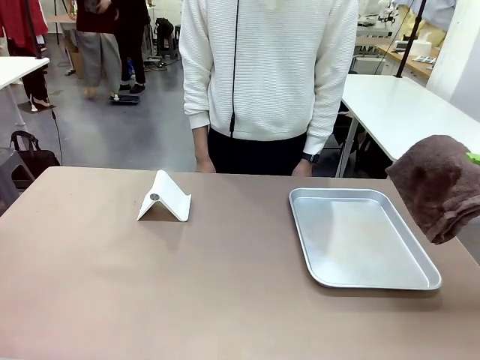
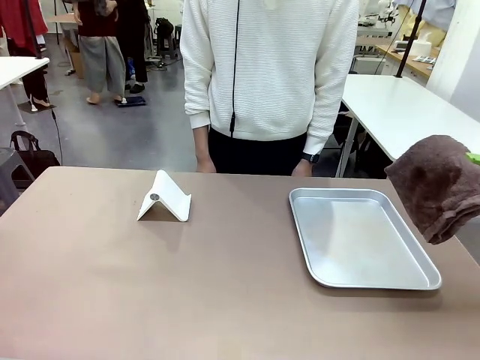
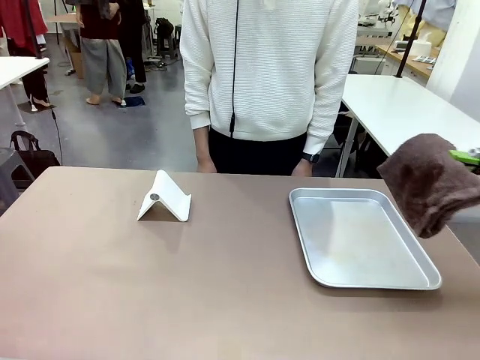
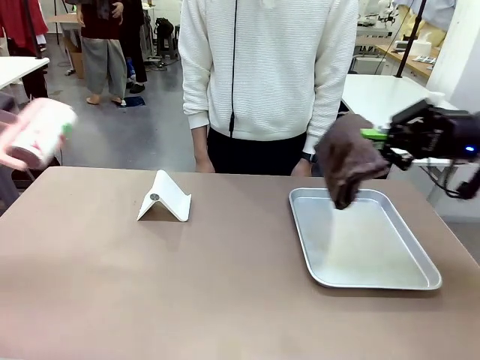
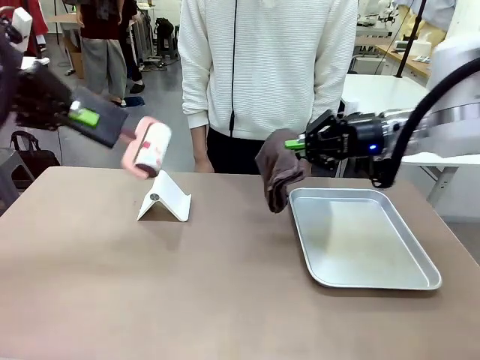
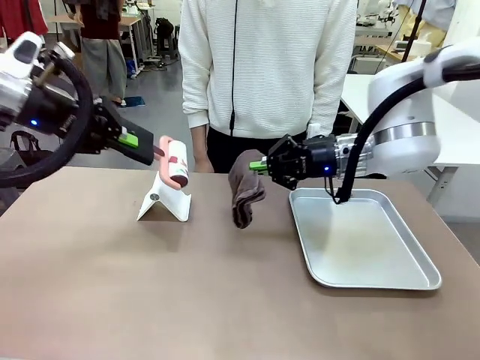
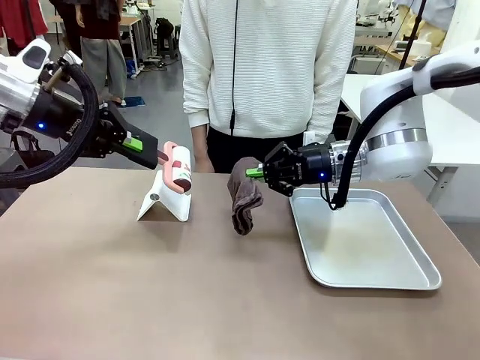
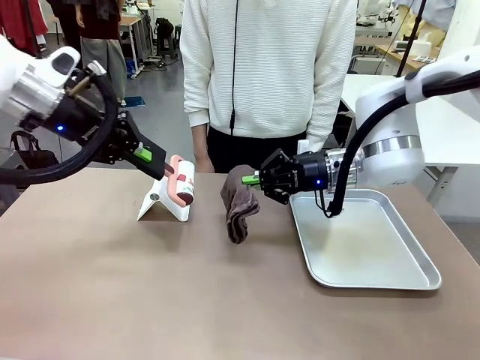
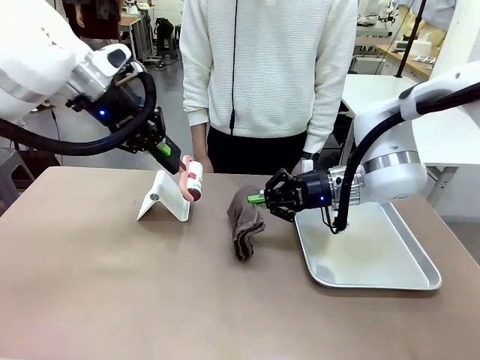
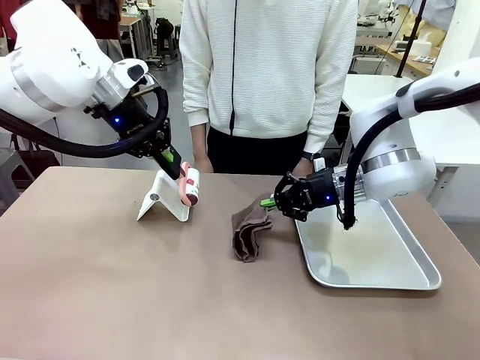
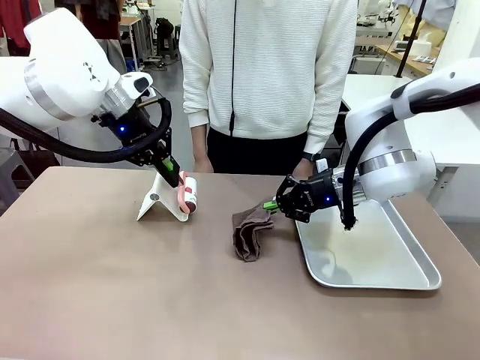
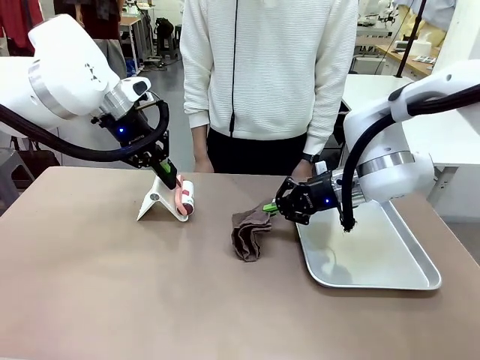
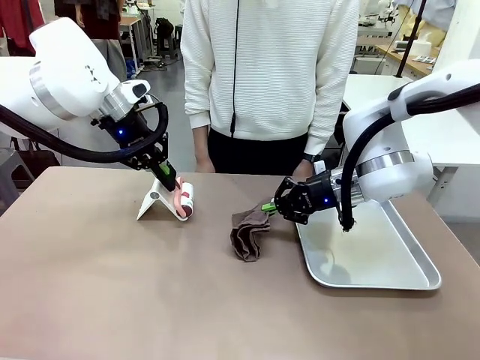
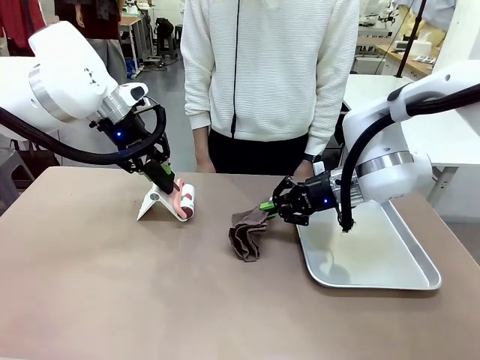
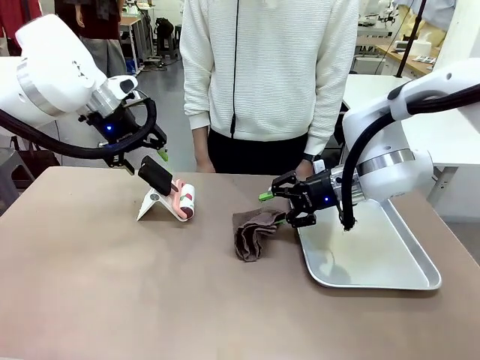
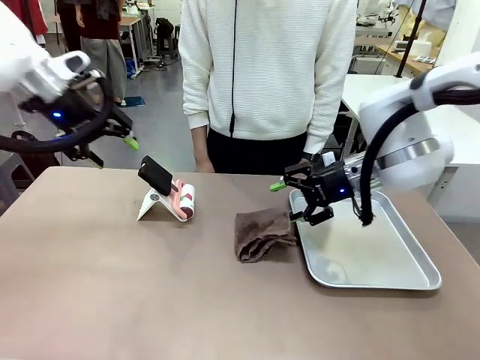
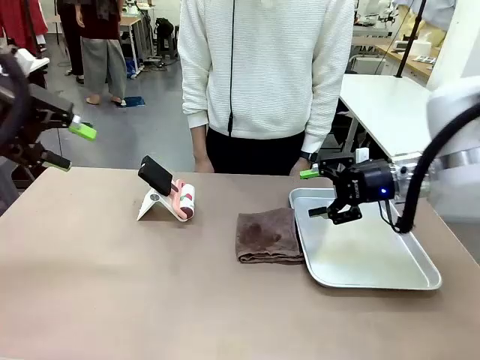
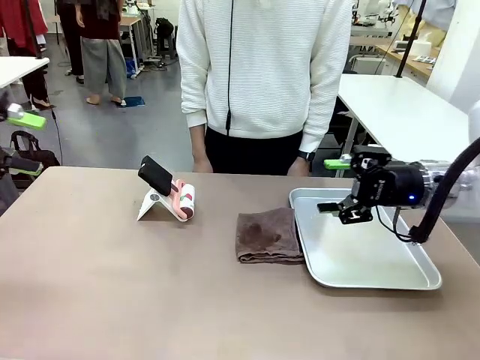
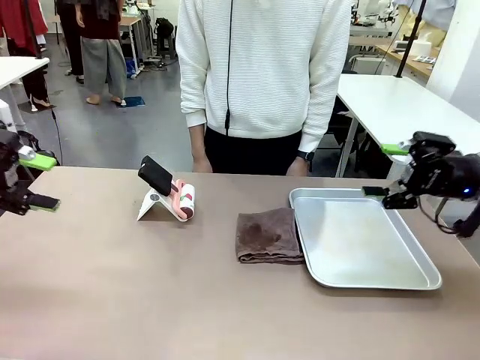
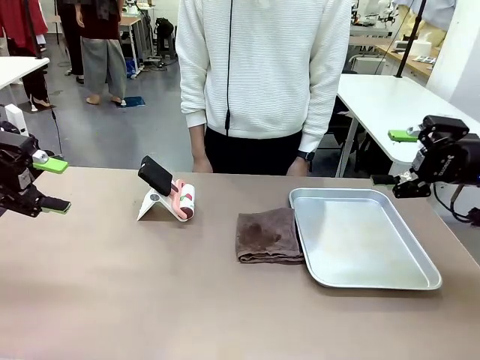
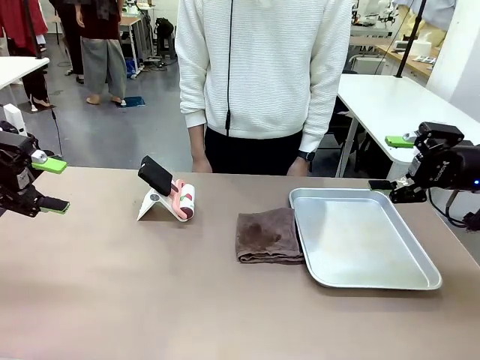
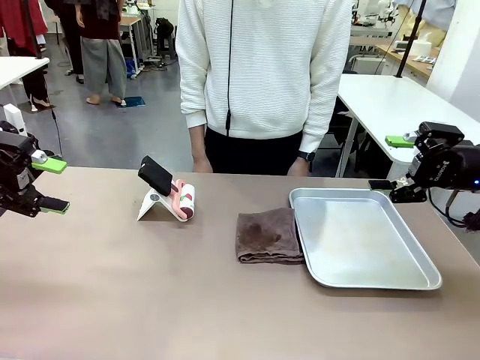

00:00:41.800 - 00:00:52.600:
Task: Clean the surface of the table.
Robot: Return the Lint Roller and towel to their original positions.

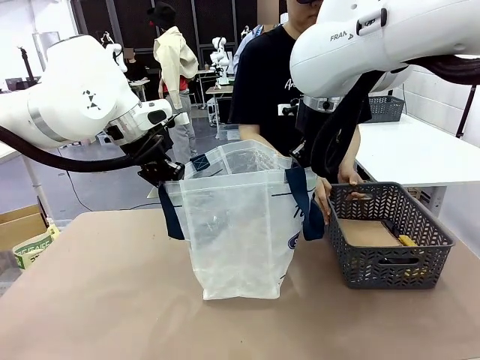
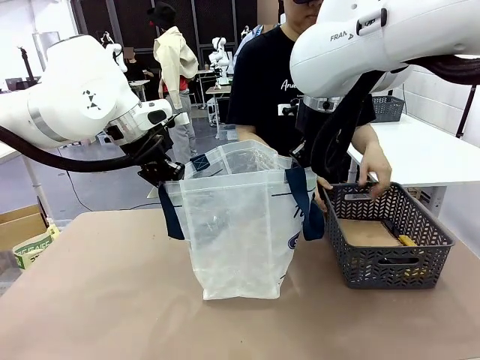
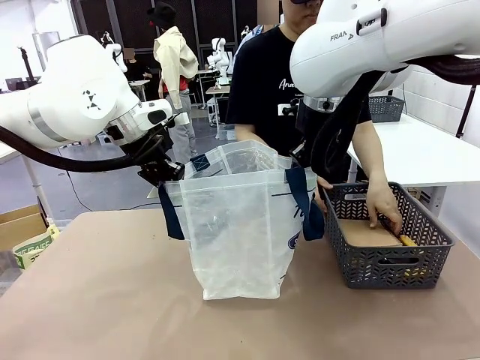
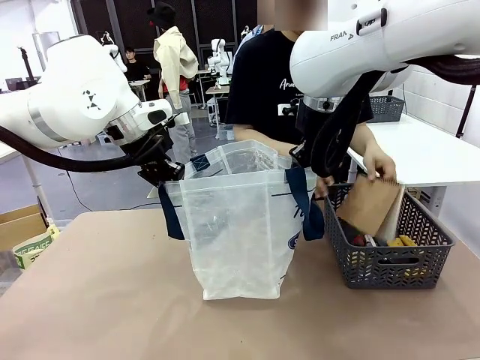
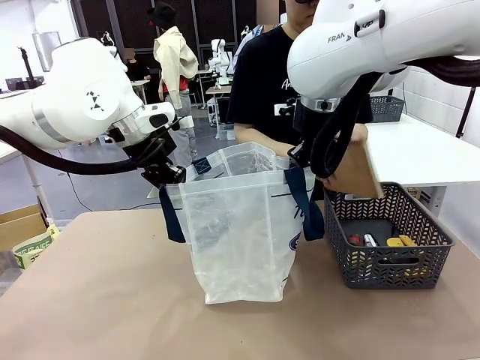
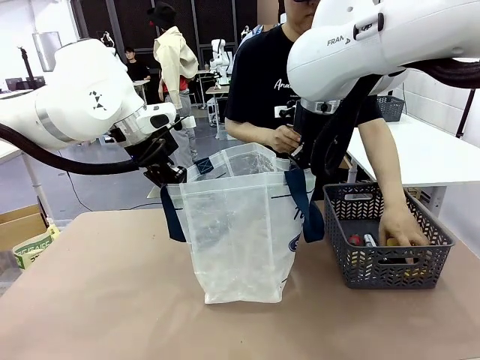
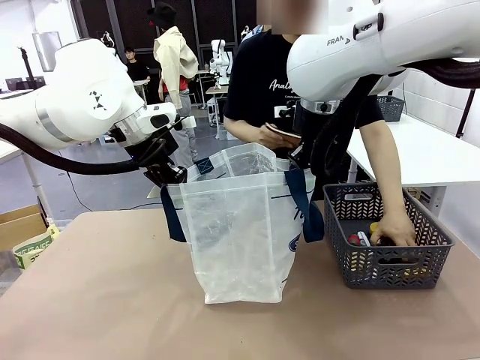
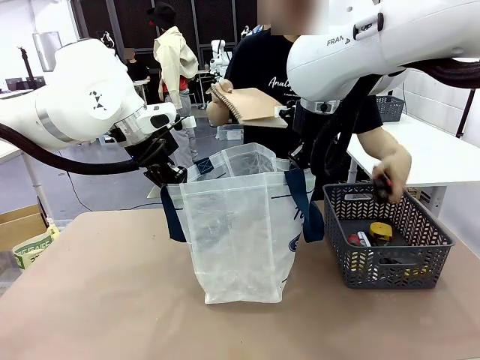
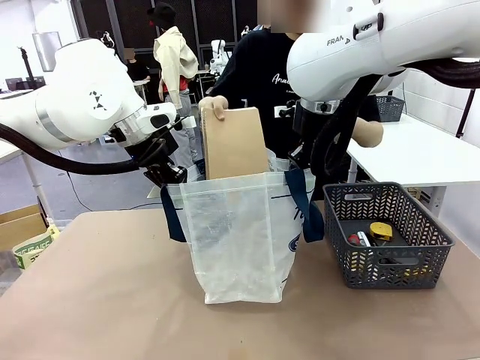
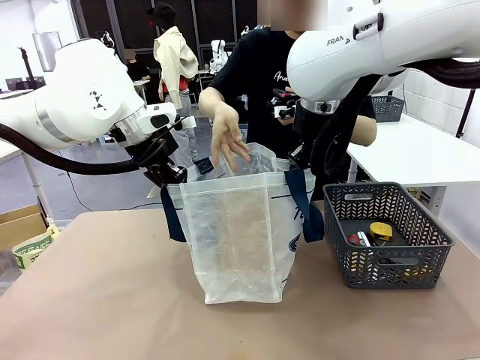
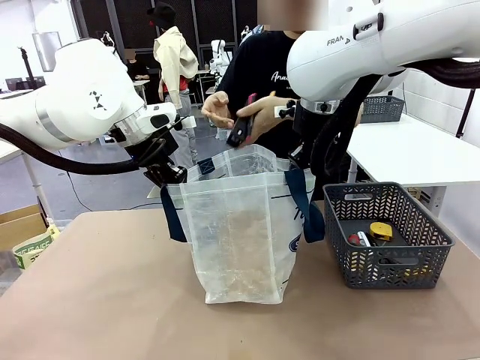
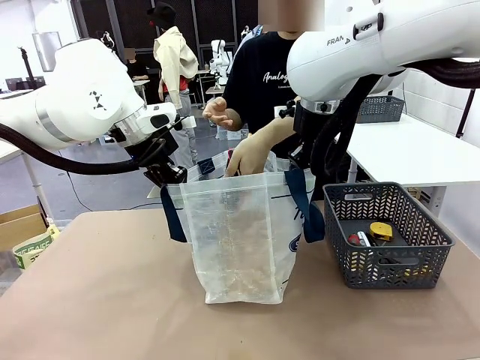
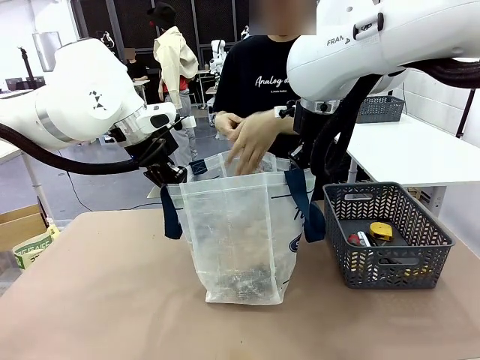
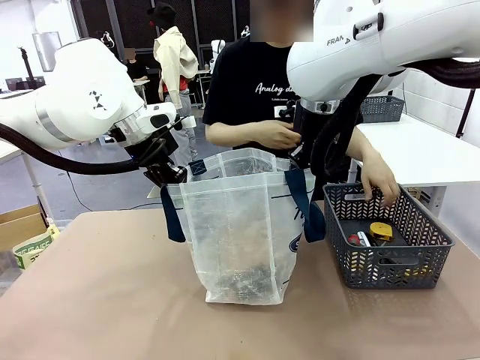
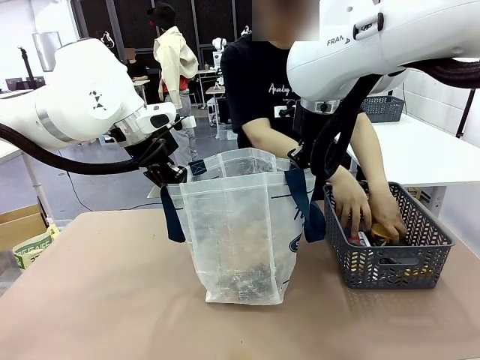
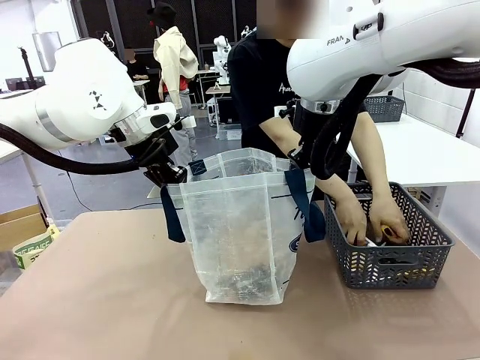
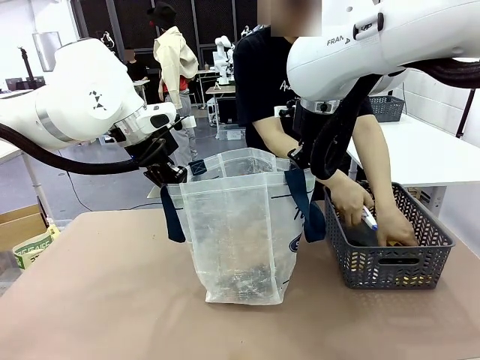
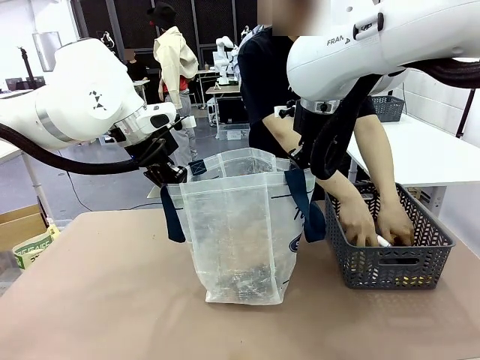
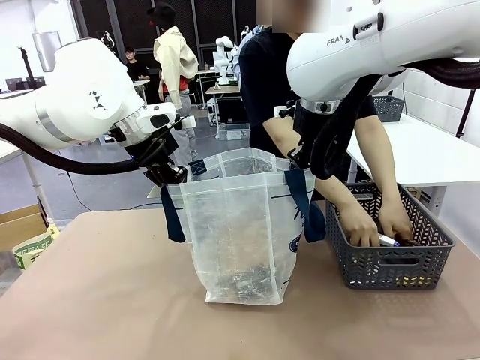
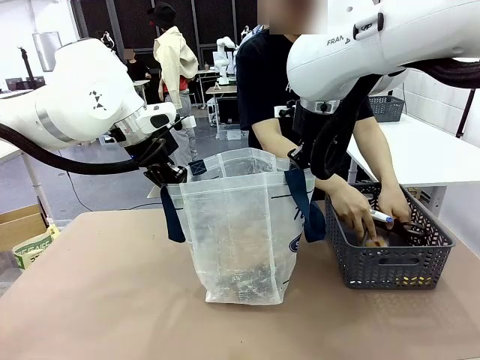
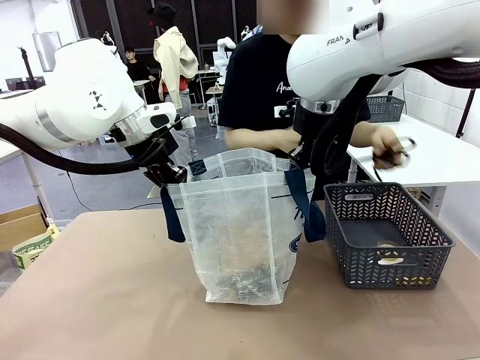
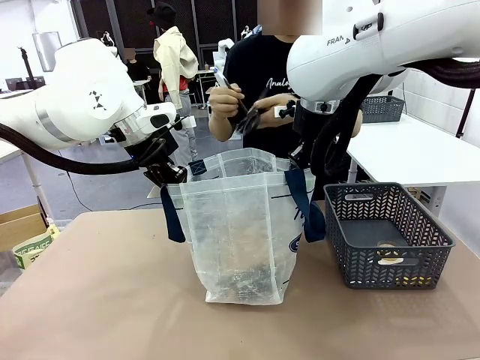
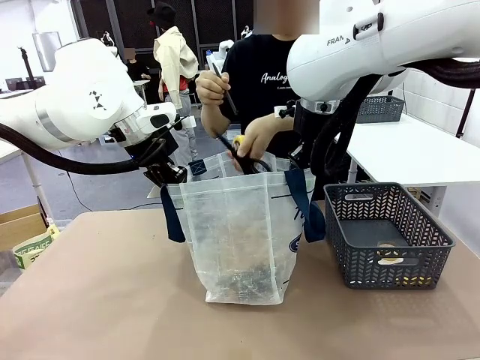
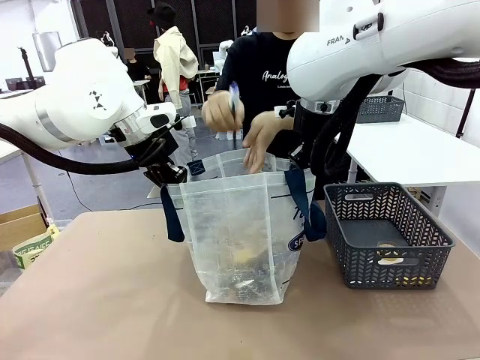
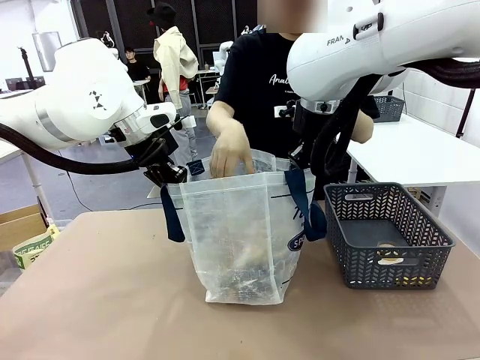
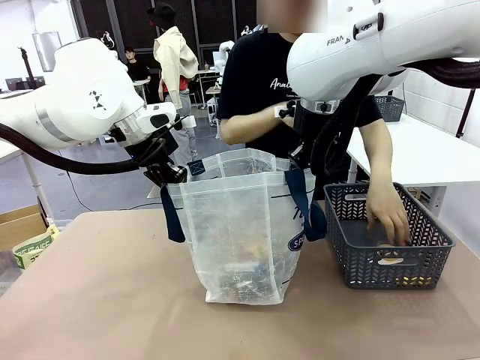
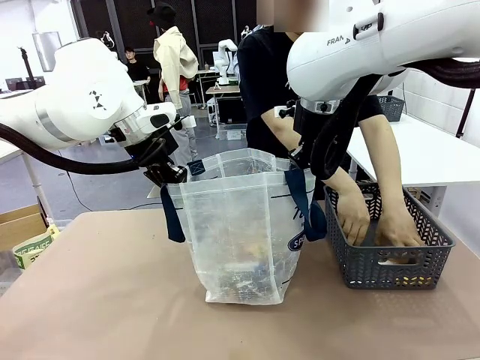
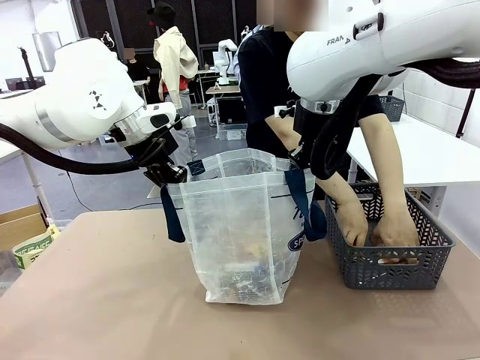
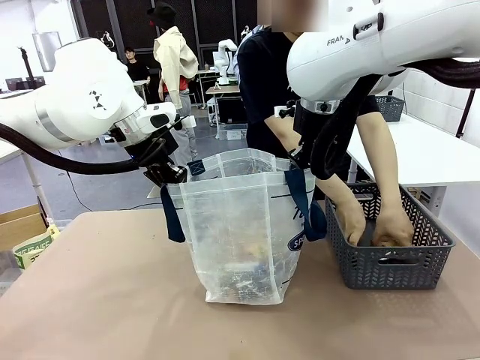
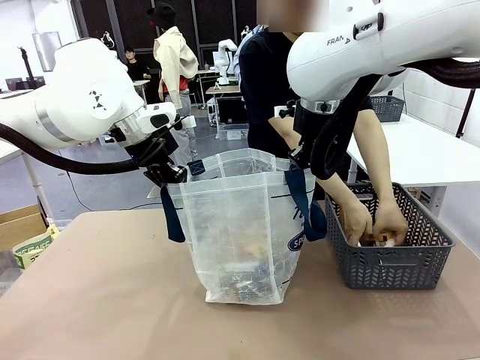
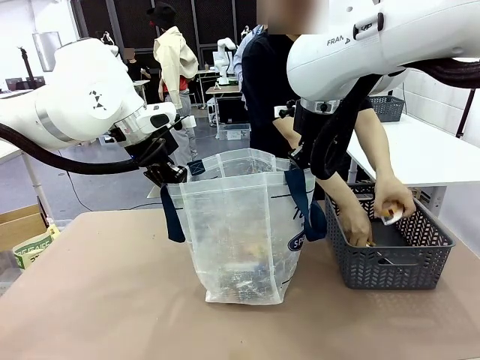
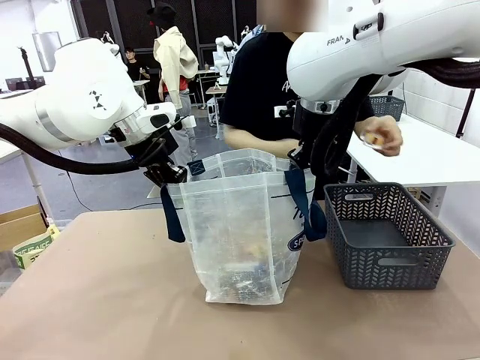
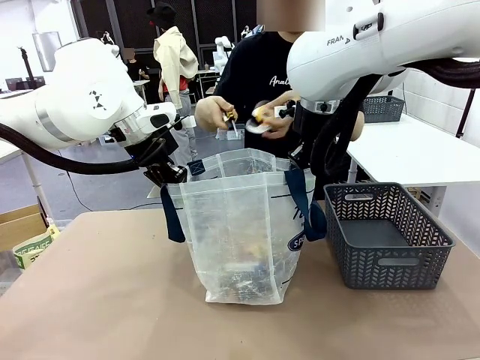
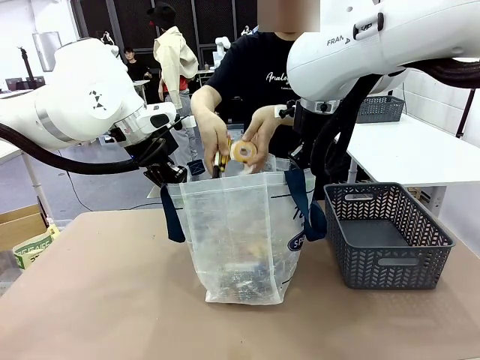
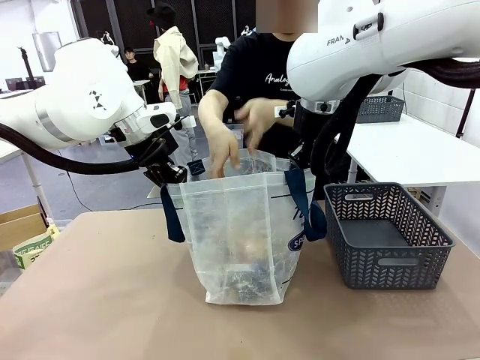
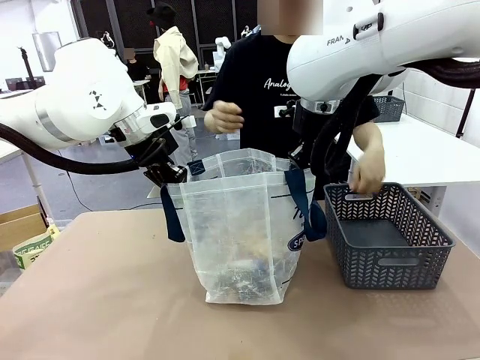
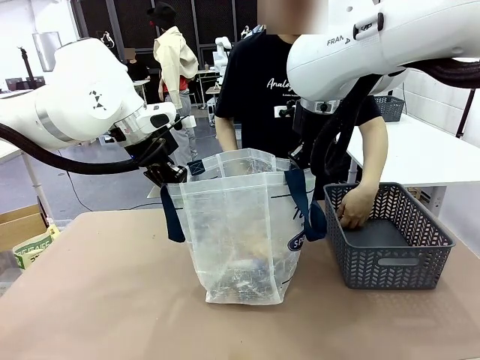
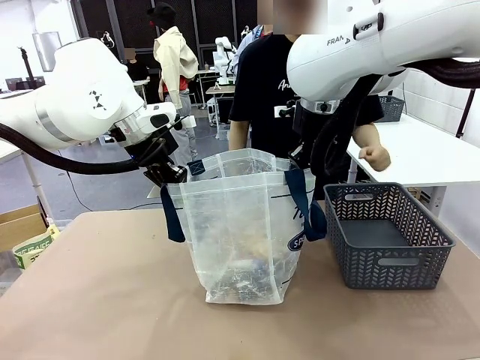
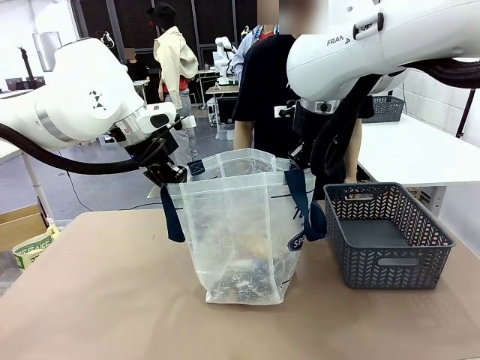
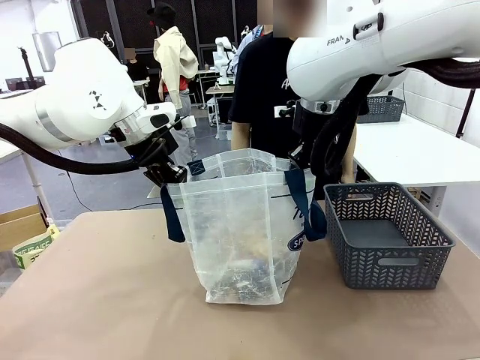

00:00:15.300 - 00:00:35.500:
Task: Transfer purchased items from the store into the shopping bag.
Robot: Move the Reusable shopping bag to the right side of the table.
Person: Pick up the basket on the right, place it on the left side of the robot table, and move the items in the basket to the shopping bag.
